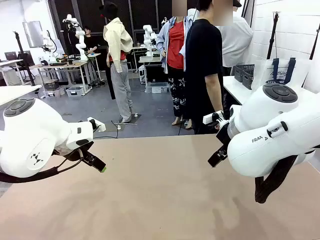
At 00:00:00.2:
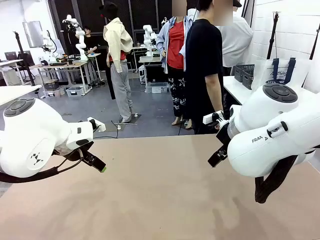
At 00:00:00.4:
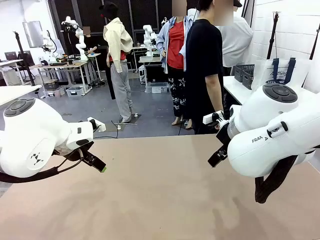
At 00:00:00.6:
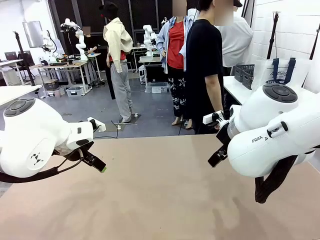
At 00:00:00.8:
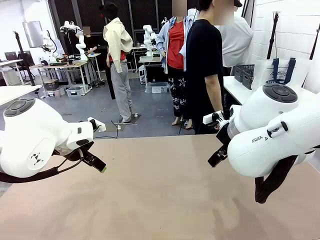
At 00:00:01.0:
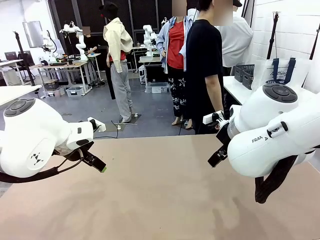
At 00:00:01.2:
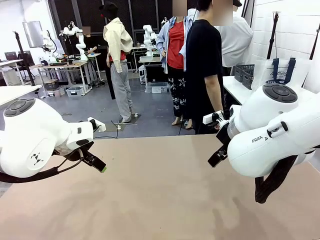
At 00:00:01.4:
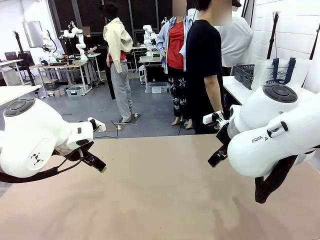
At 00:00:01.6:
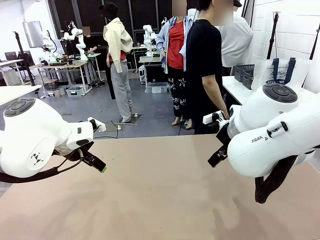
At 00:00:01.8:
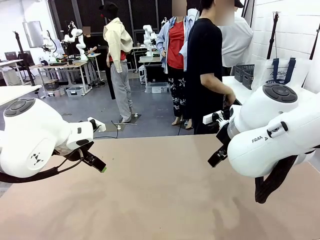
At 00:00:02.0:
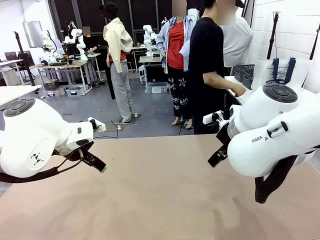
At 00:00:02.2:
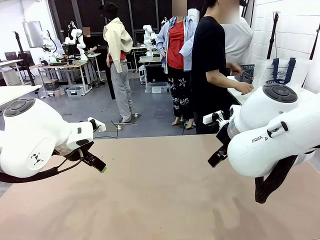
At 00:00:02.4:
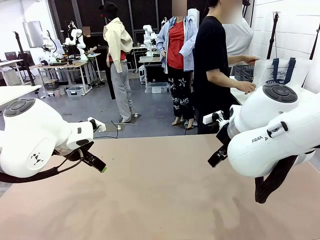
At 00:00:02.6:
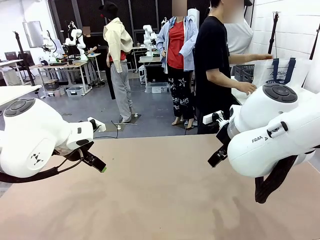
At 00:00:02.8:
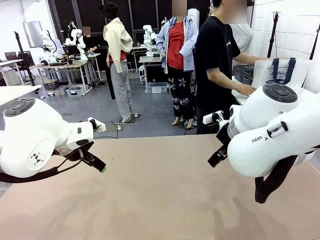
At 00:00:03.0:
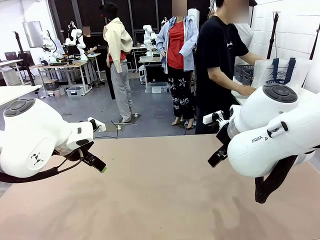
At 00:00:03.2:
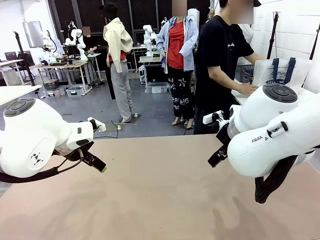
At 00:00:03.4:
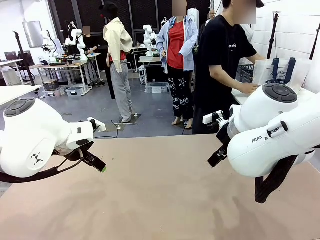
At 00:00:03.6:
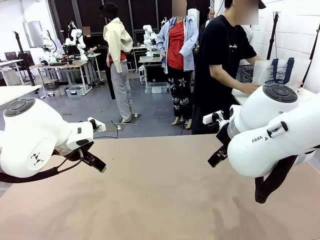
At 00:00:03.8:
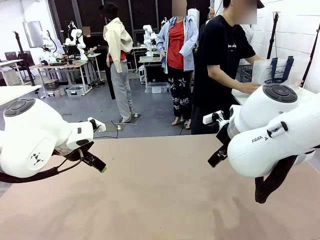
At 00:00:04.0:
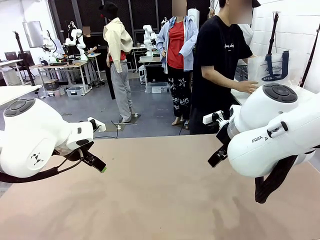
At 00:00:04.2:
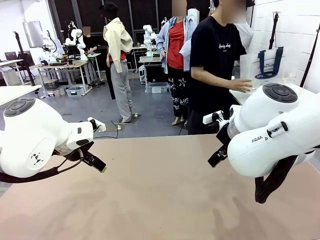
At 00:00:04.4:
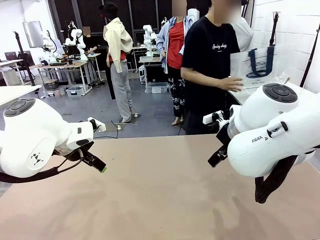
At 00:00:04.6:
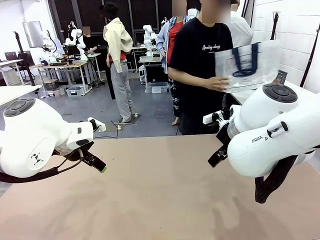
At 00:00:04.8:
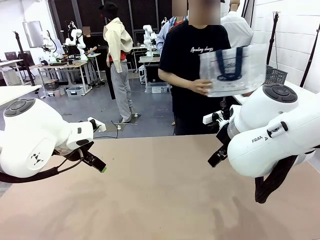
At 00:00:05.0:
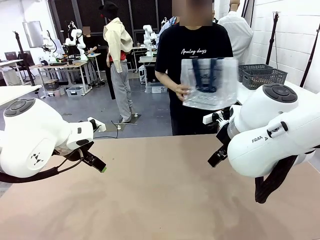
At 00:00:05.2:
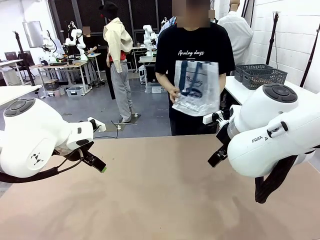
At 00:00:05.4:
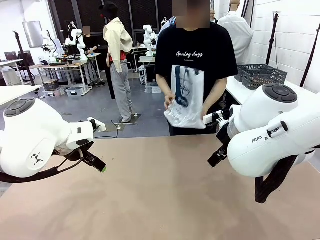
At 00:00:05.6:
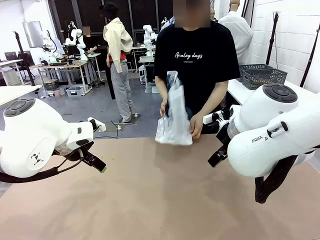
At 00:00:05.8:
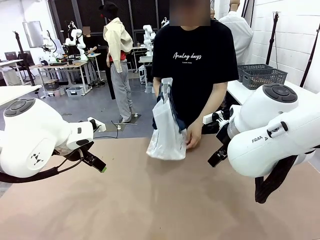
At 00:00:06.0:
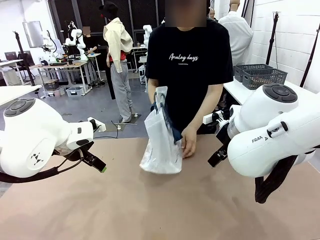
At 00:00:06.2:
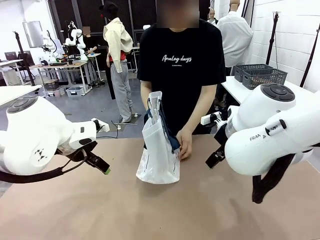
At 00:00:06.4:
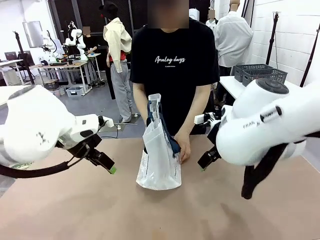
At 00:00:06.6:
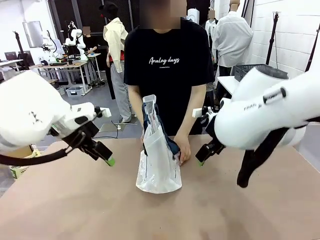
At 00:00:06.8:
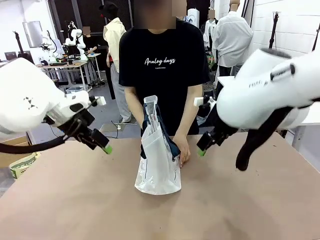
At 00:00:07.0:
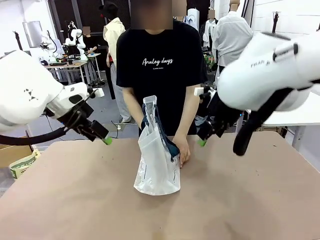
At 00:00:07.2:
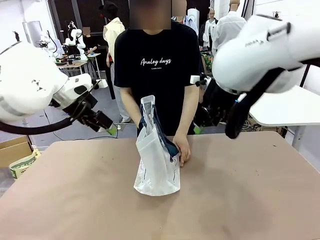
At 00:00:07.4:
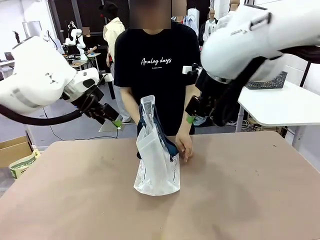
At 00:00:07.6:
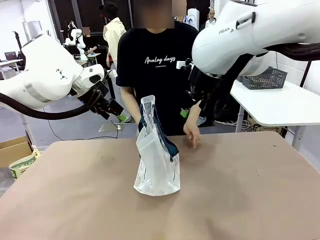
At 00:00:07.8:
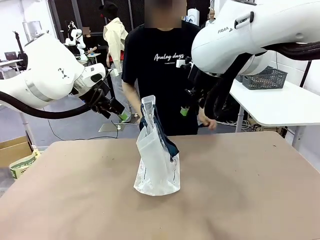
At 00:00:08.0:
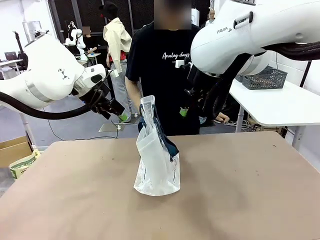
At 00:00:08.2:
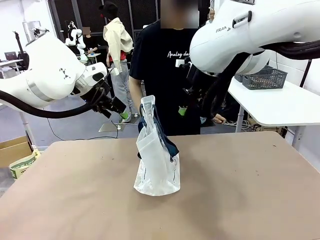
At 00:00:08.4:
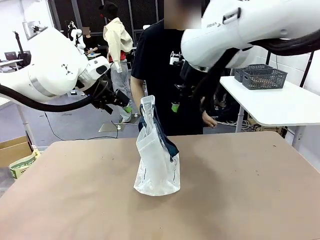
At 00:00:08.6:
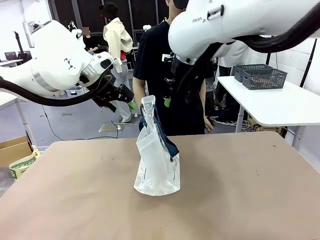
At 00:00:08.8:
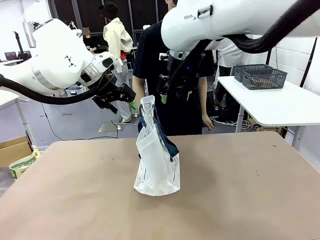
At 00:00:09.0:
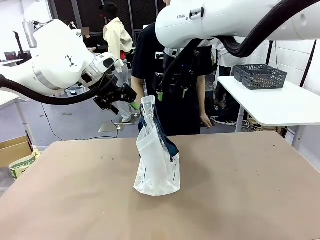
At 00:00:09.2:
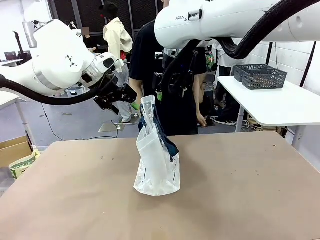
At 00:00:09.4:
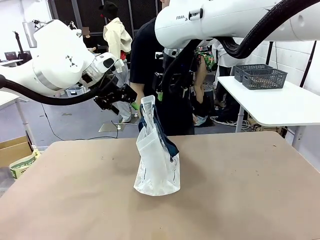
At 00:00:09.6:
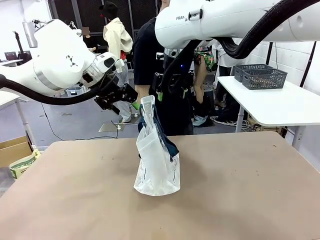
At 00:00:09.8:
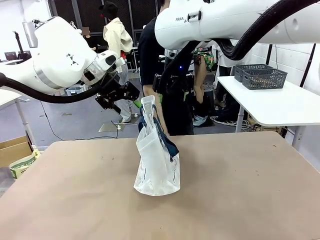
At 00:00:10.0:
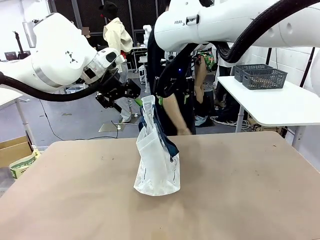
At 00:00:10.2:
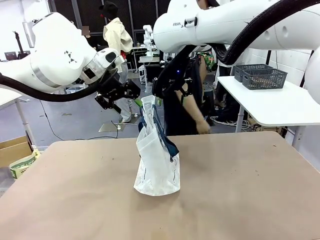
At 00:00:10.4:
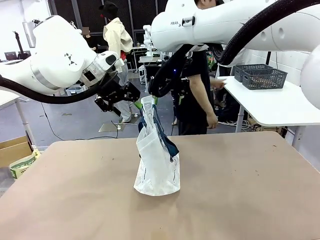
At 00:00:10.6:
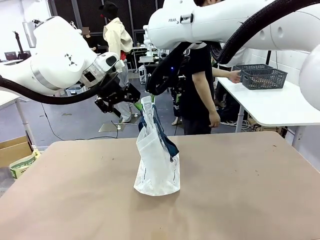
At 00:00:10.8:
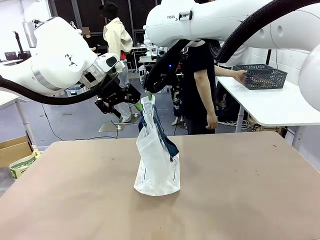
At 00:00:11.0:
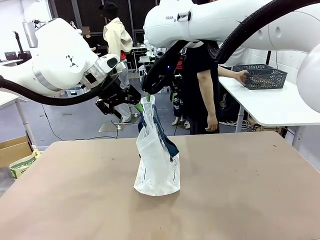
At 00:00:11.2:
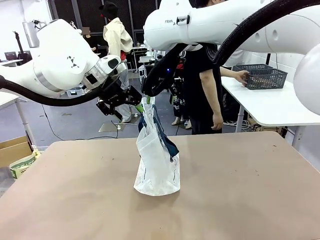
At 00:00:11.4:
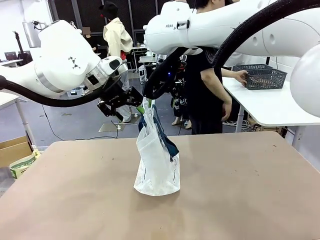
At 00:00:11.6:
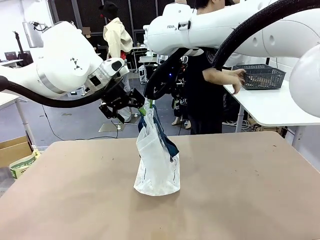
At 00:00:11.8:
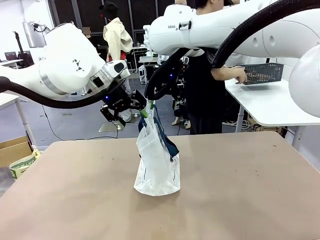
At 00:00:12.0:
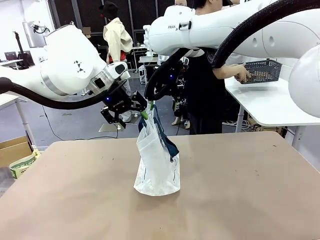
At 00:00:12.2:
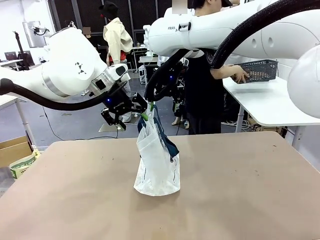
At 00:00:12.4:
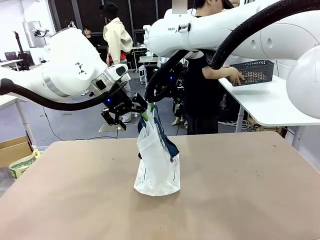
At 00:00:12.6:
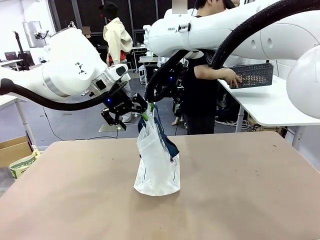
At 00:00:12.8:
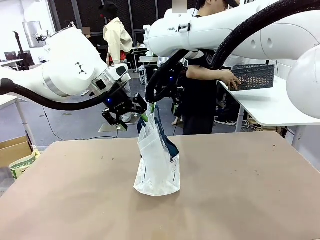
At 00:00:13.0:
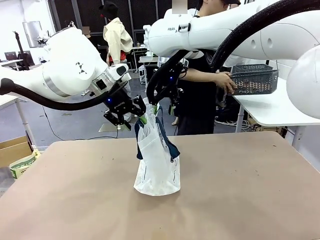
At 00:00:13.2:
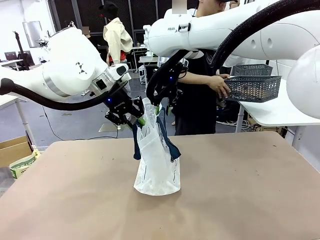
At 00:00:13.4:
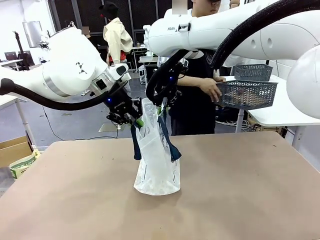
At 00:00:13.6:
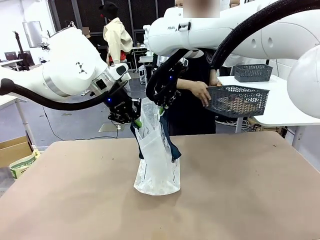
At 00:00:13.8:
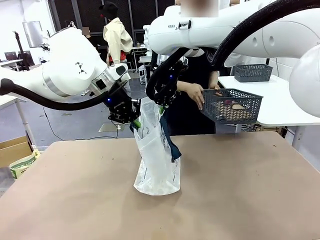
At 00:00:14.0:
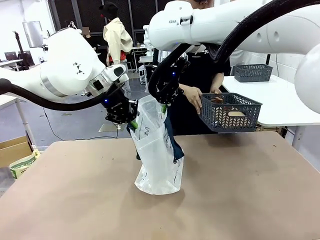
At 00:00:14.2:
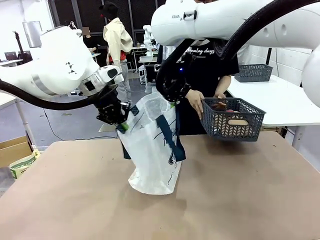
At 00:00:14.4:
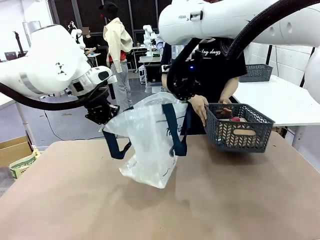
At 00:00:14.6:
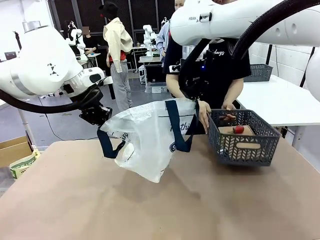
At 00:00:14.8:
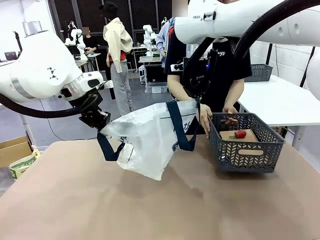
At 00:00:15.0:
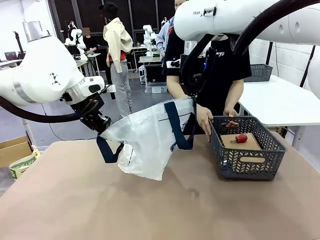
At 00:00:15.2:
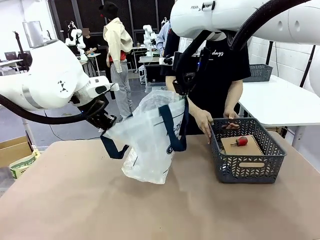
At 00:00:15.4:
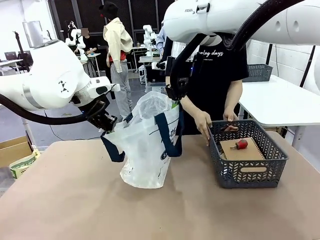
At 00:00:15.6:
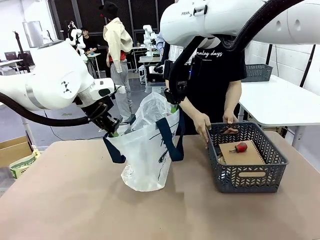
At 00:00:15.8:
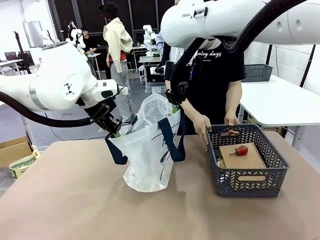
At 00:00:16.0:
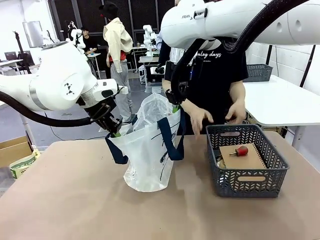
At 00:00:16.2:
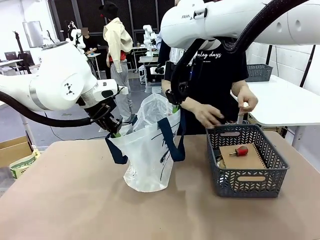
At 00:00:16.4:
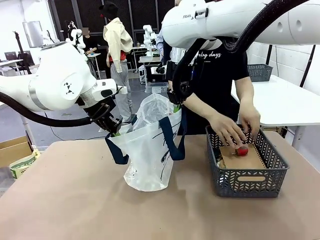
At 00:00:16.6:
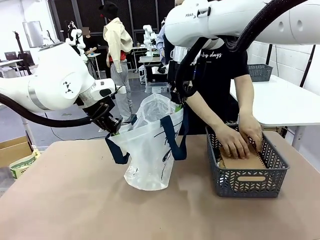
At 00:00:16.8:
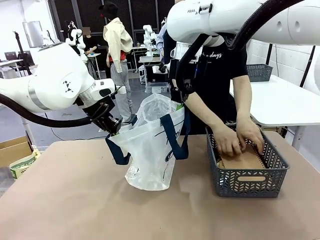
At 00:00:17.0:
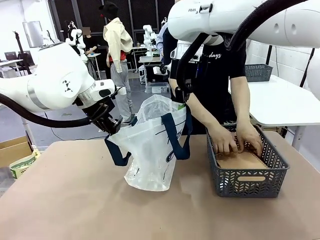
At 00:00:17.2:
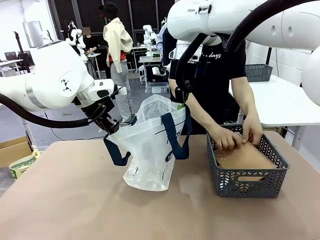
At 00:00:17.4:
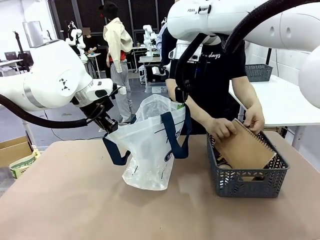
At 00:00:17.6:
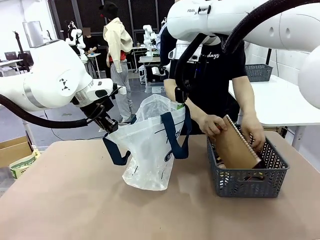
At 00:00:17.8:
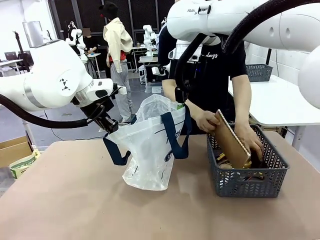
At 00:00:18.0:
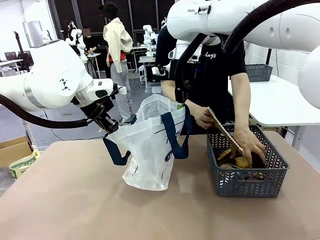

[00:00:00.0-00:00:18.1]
Task: Transfer purchased items from the store into the shopping bag.
Robot: Open the Reusable shopping bag in the center of the table.
Person: Pick up the shopping bag and place it in the middle of the robot table.
